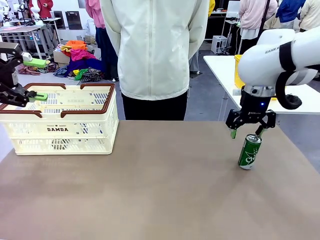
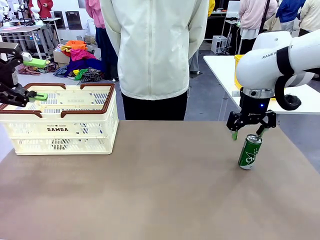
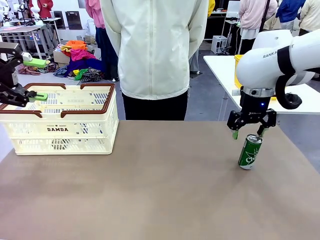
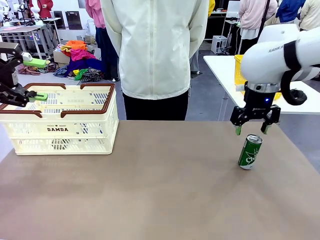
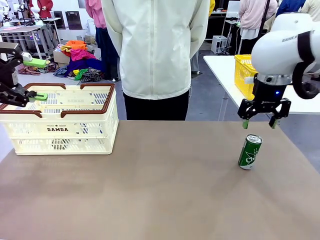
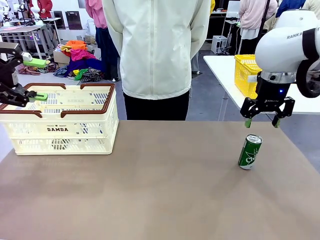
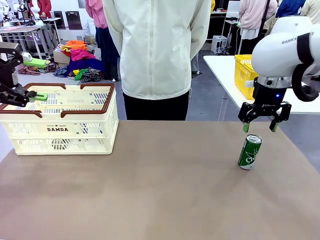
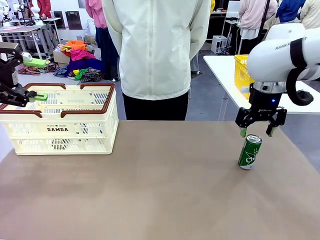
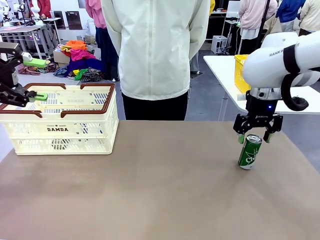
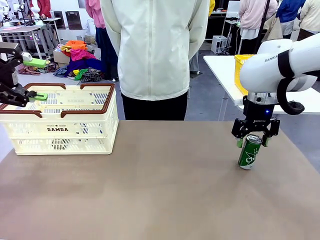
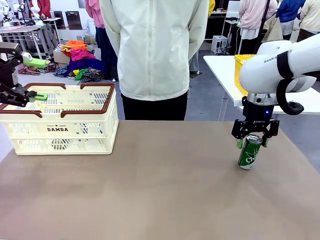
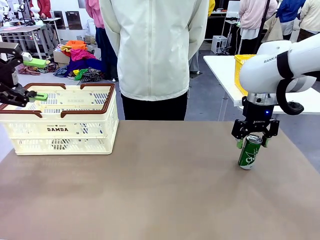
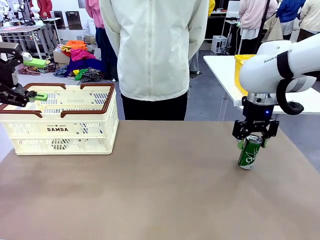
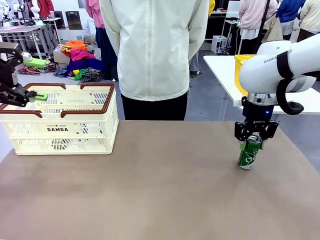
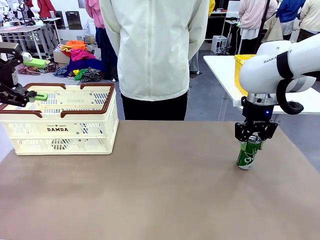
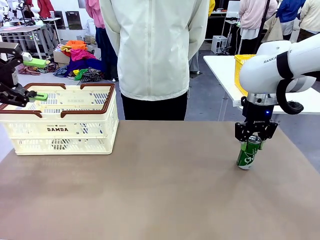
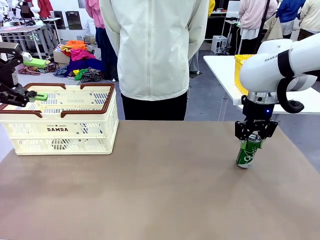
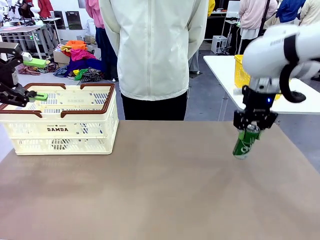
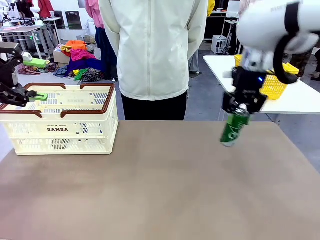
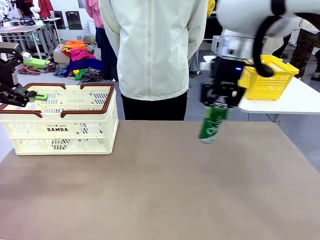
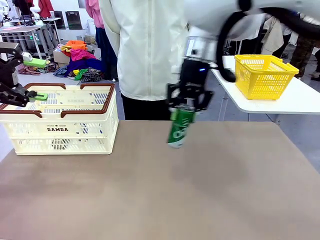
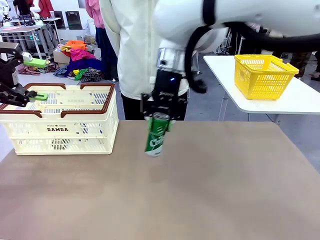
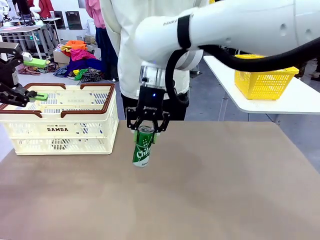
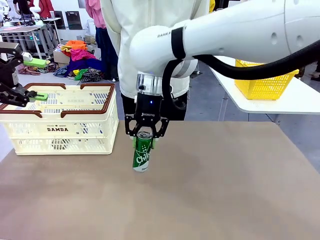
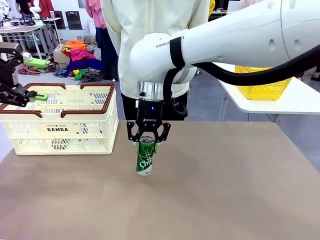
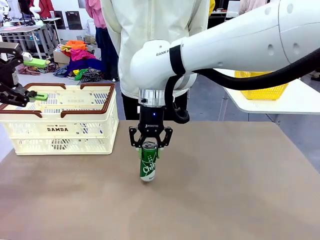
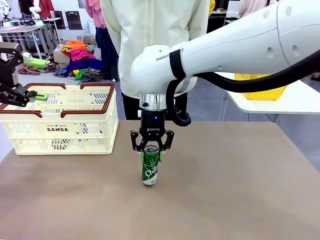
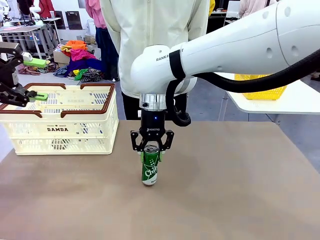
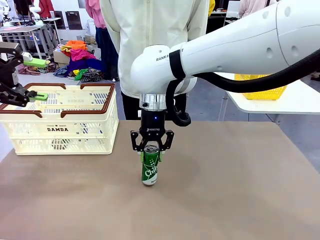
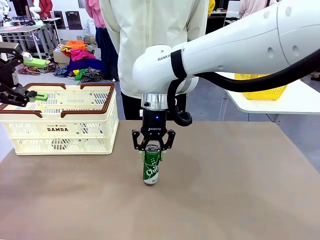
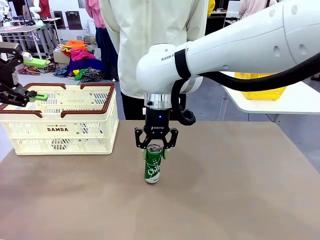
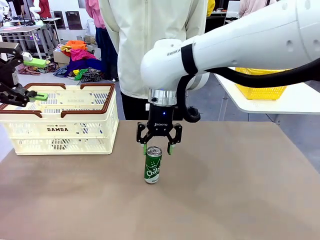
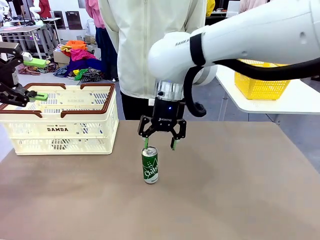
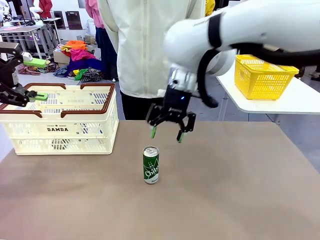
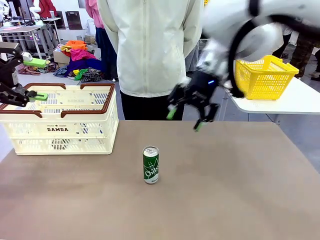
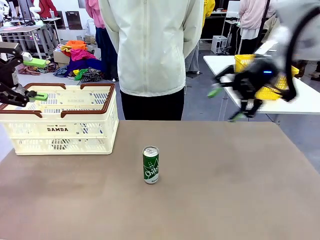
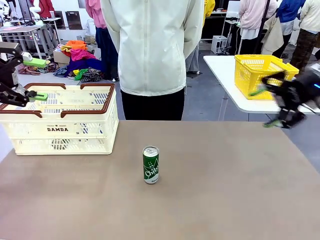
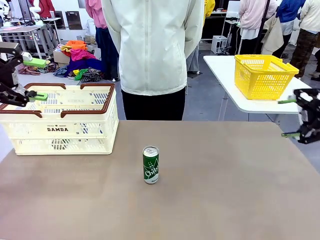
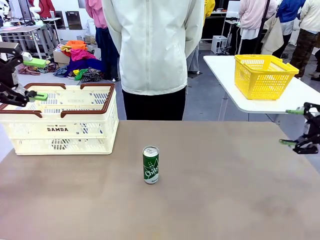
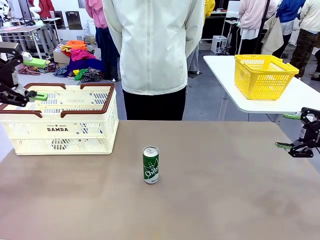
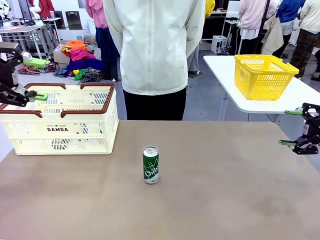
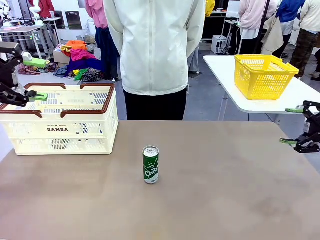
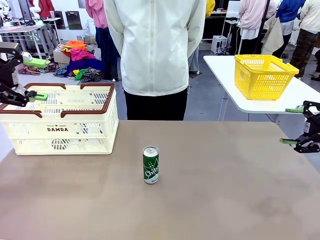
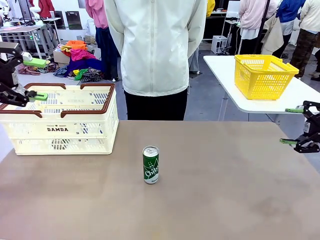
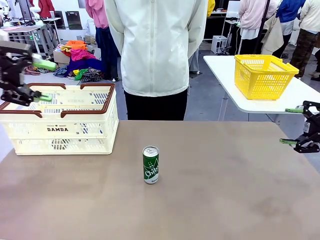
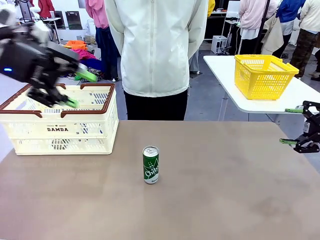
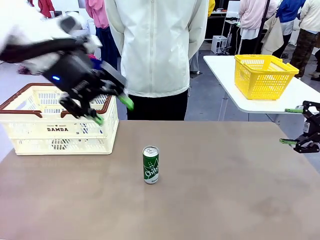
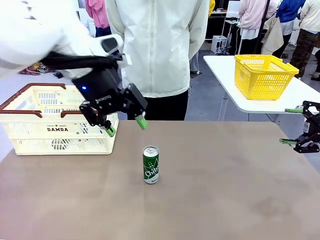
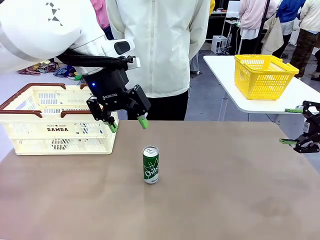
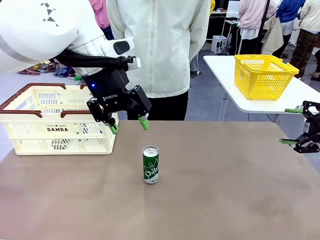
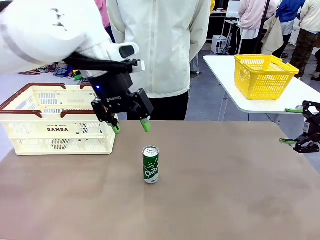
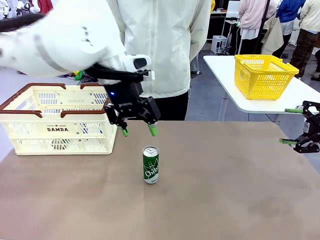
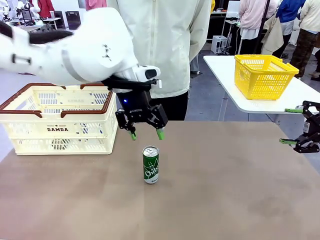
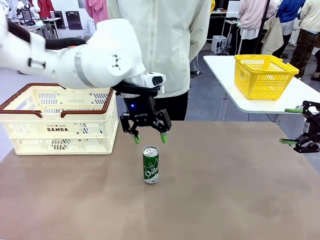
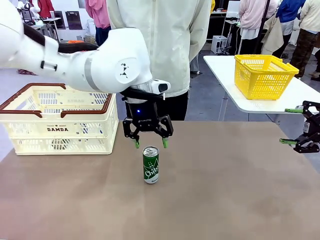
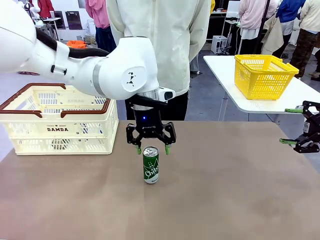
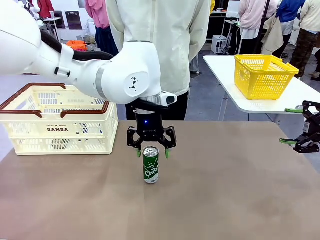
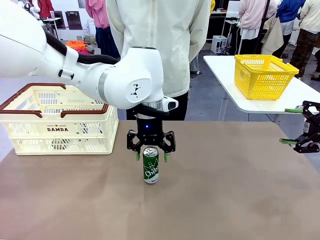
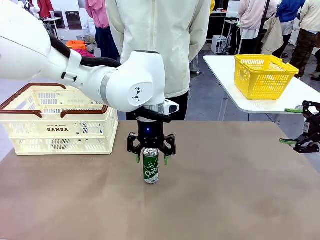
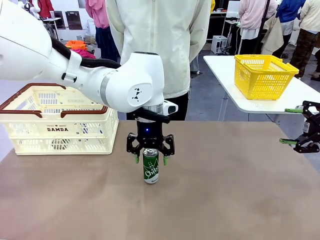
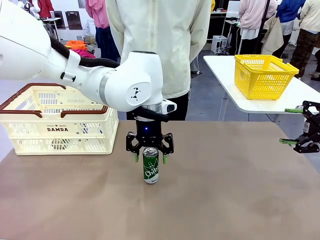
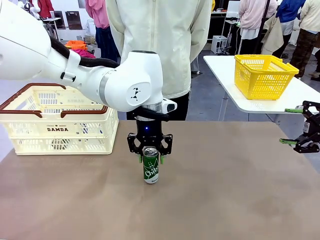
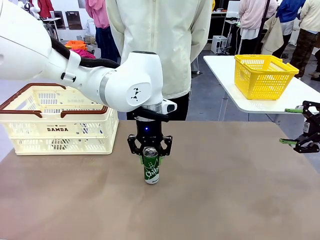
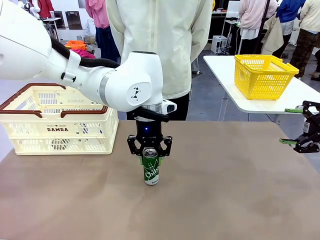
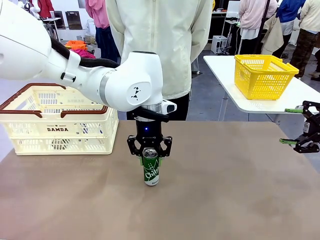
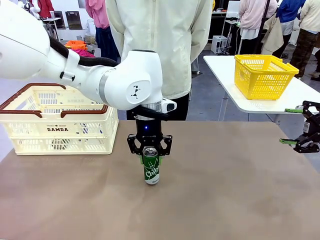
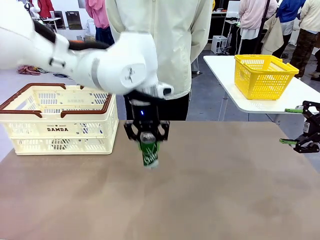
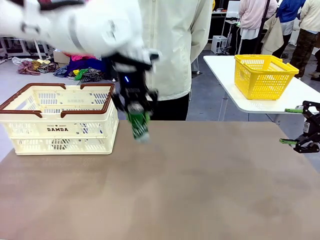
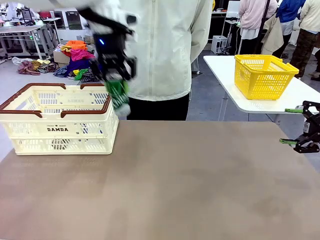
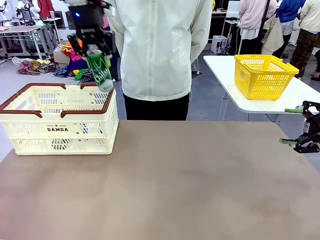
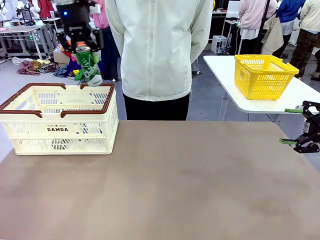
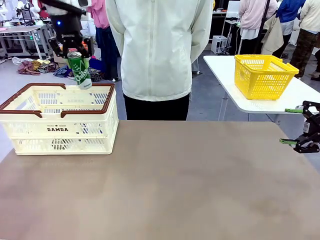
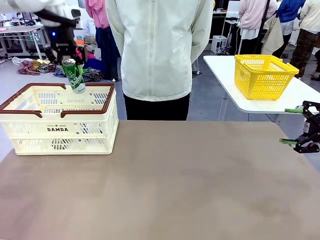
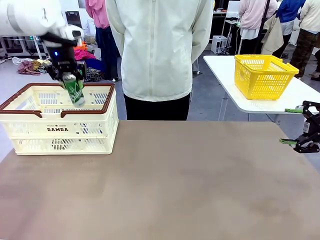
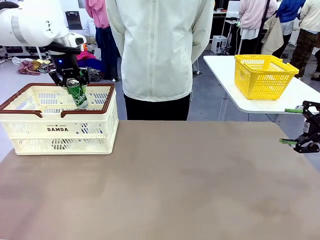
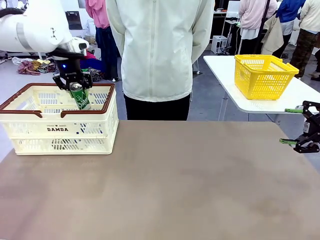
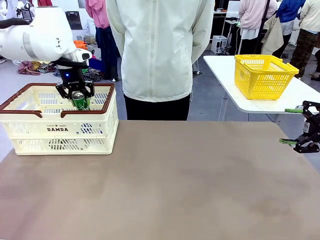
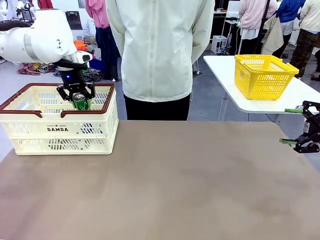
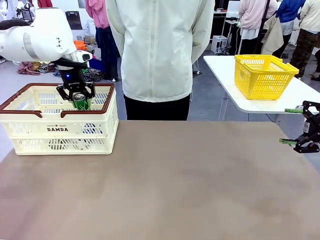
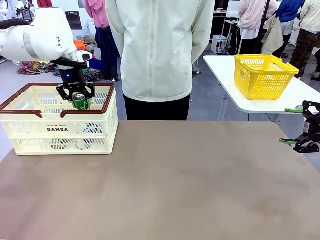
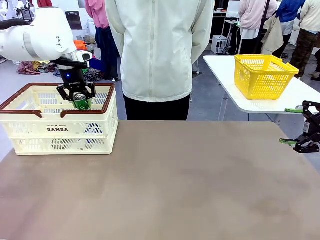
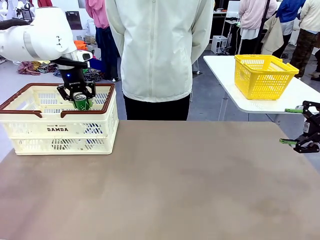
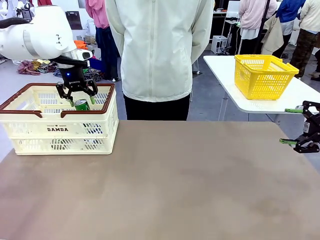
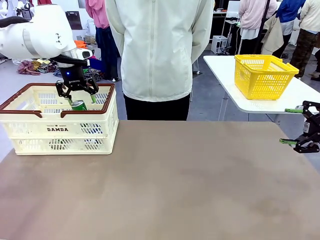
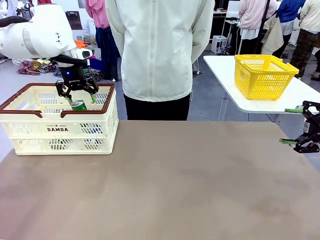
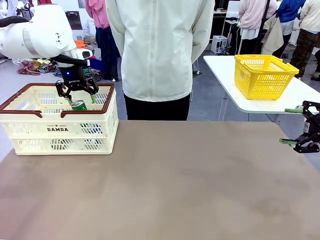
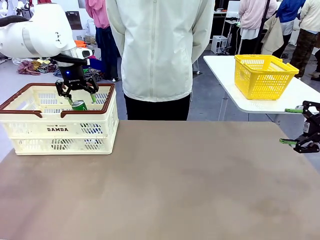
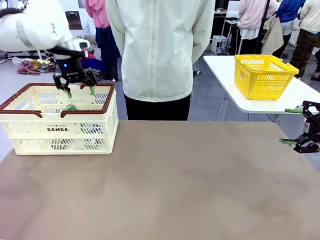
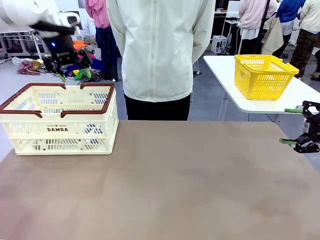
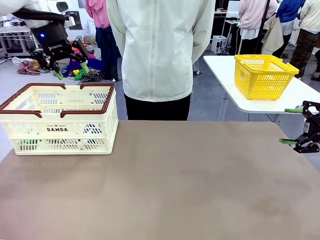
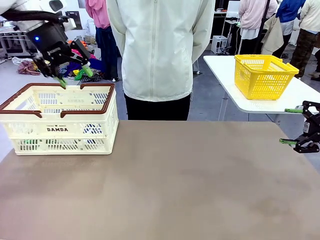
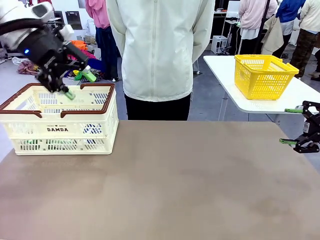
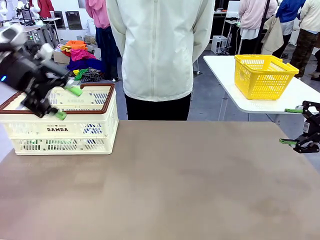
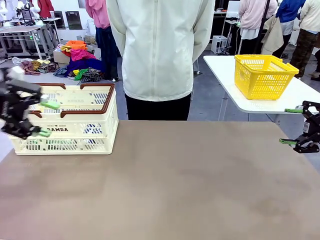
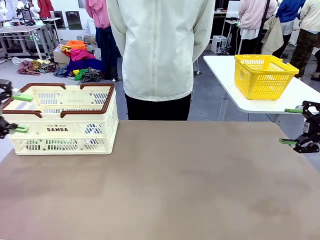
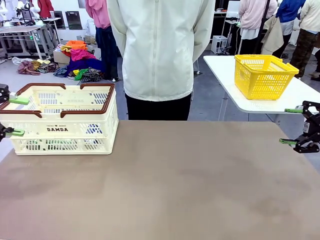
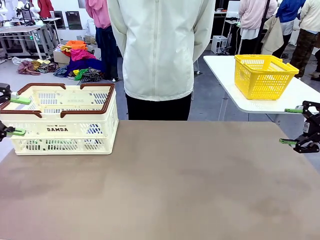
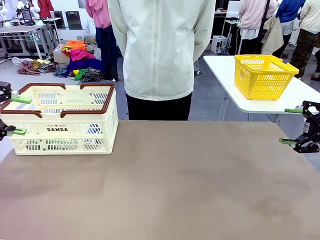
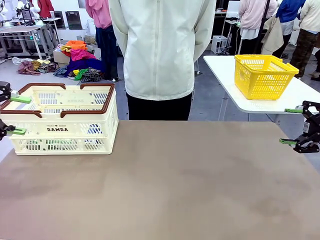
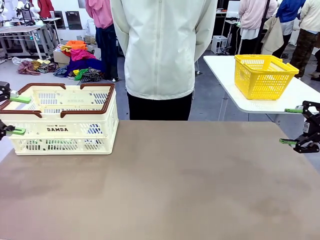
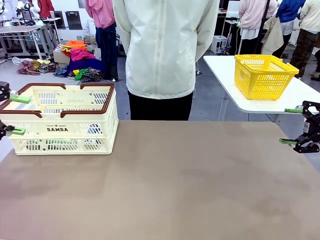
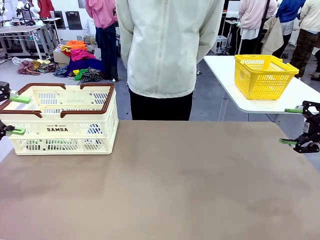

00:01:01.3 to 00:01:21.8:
Task: Place the drinks into the Shopping basket.
Robot: Pick up one drink and place it into the Shopping basket.
